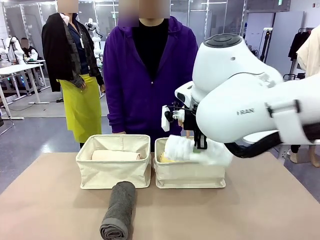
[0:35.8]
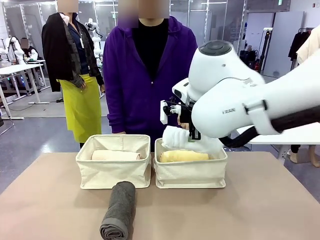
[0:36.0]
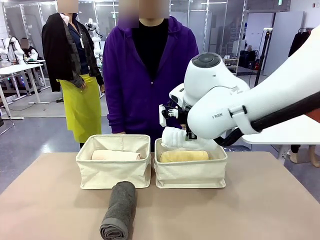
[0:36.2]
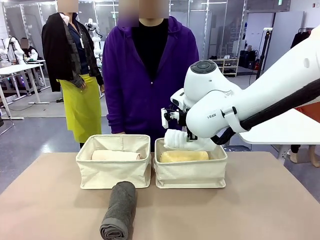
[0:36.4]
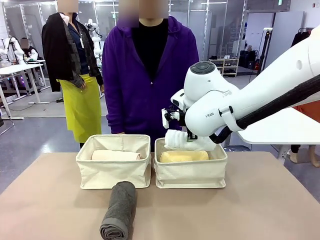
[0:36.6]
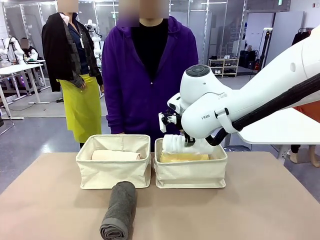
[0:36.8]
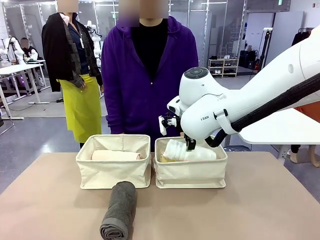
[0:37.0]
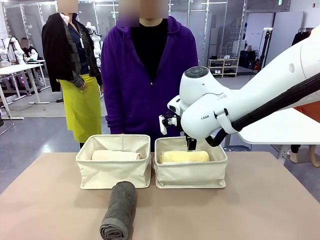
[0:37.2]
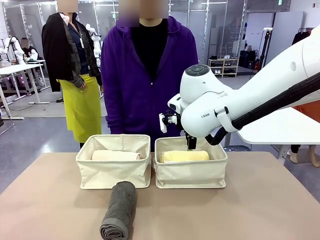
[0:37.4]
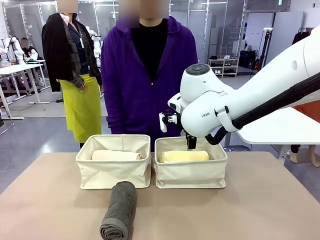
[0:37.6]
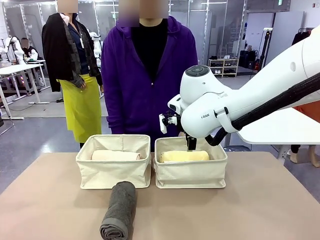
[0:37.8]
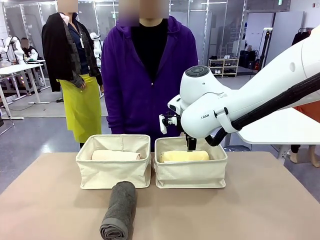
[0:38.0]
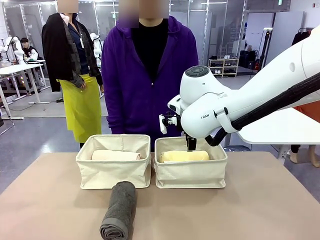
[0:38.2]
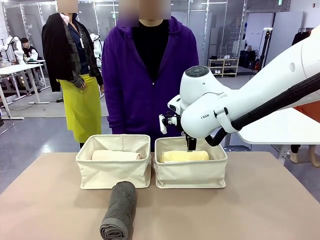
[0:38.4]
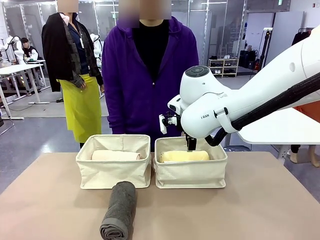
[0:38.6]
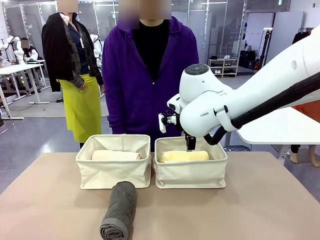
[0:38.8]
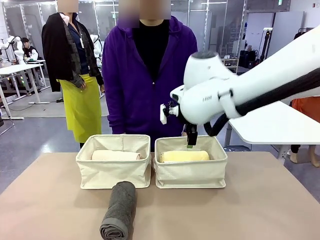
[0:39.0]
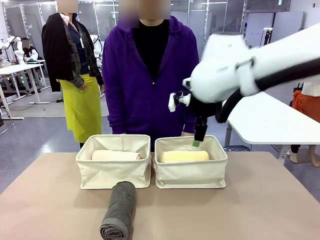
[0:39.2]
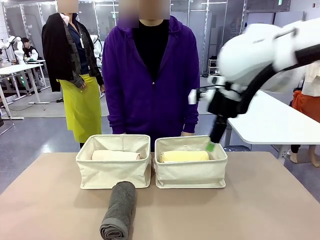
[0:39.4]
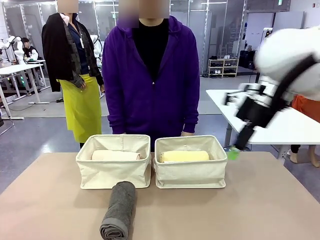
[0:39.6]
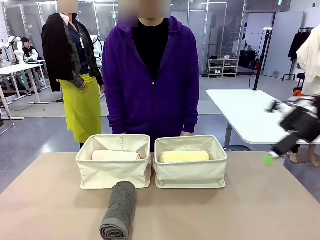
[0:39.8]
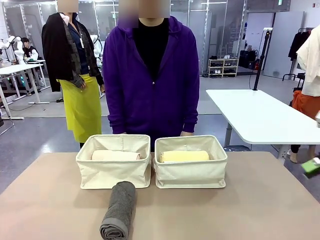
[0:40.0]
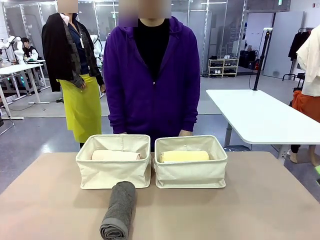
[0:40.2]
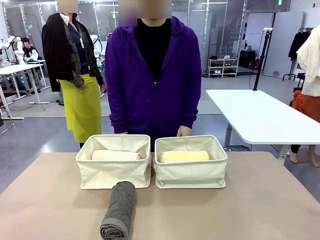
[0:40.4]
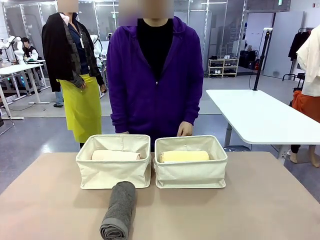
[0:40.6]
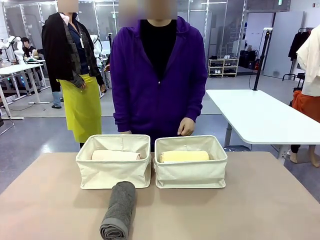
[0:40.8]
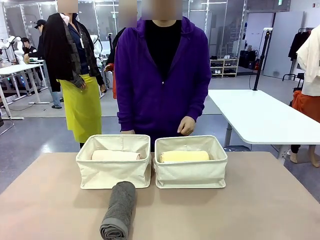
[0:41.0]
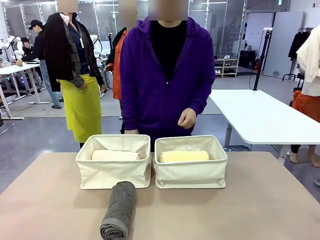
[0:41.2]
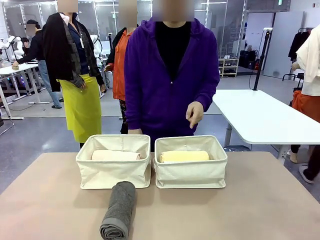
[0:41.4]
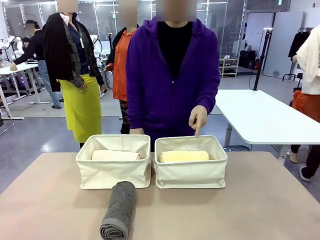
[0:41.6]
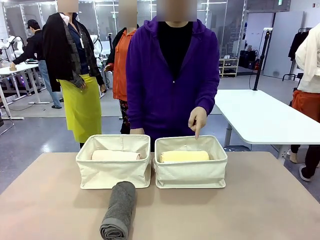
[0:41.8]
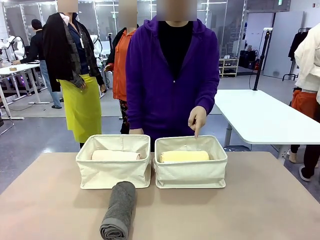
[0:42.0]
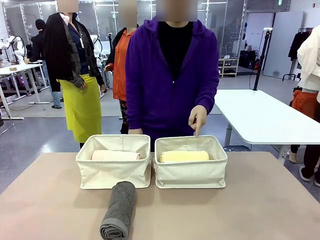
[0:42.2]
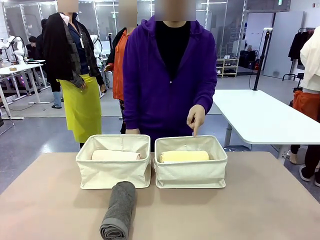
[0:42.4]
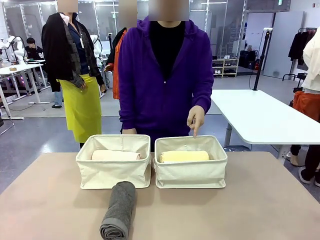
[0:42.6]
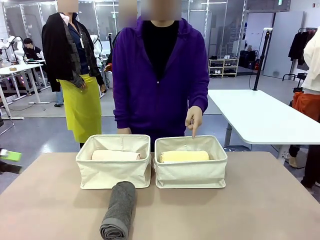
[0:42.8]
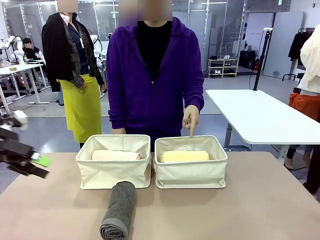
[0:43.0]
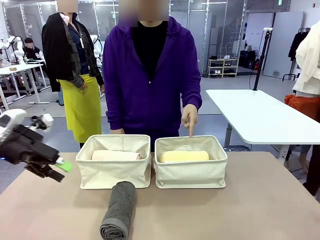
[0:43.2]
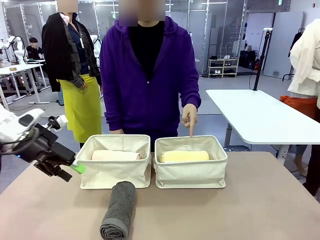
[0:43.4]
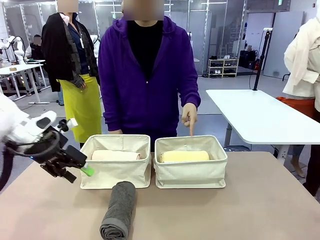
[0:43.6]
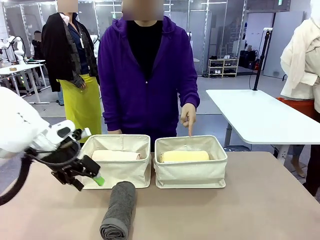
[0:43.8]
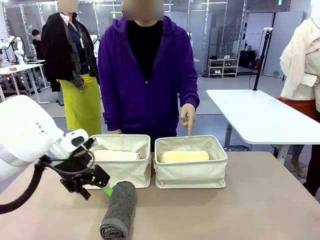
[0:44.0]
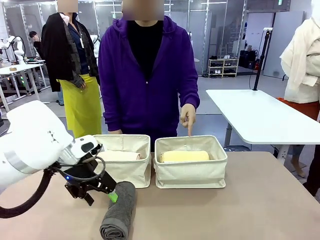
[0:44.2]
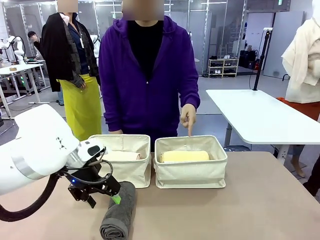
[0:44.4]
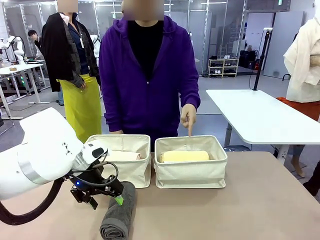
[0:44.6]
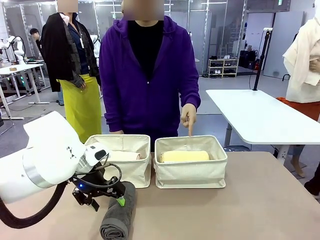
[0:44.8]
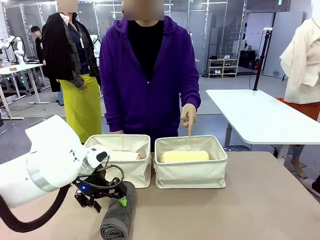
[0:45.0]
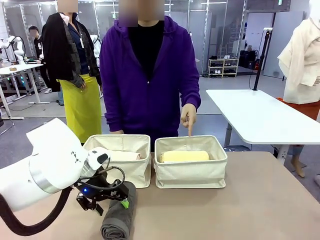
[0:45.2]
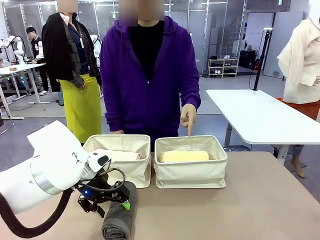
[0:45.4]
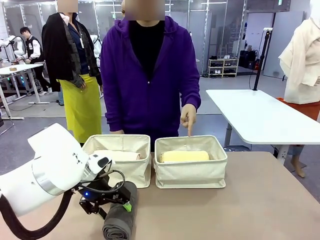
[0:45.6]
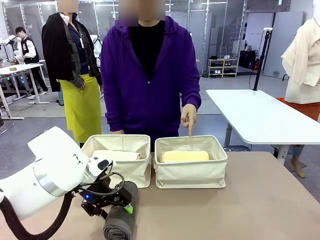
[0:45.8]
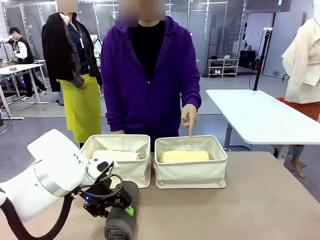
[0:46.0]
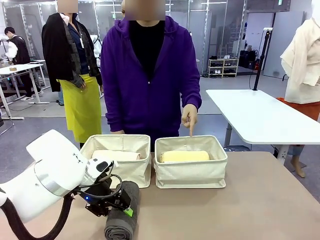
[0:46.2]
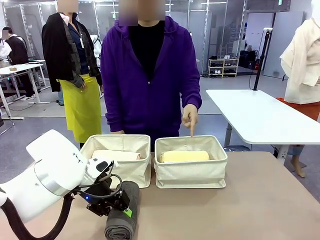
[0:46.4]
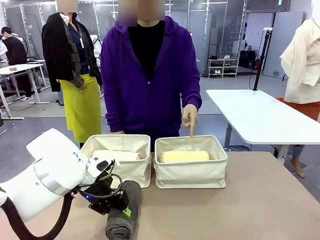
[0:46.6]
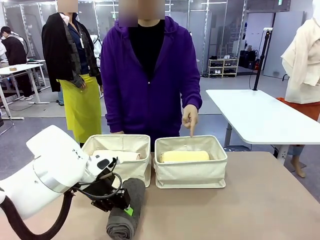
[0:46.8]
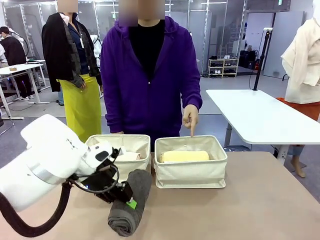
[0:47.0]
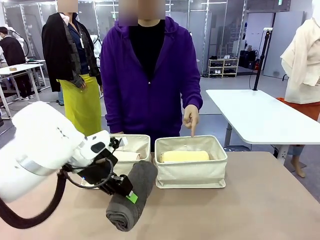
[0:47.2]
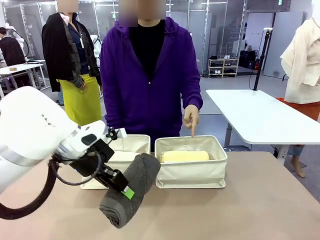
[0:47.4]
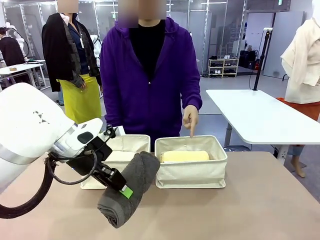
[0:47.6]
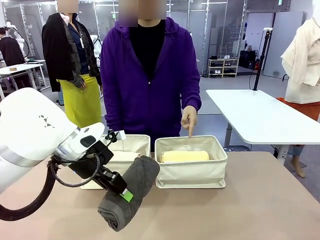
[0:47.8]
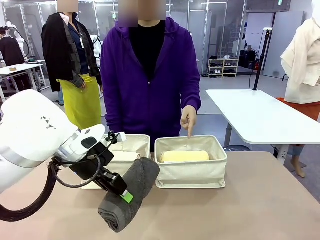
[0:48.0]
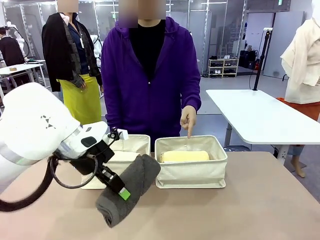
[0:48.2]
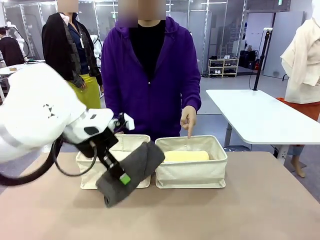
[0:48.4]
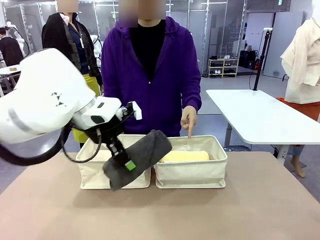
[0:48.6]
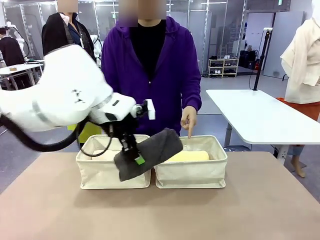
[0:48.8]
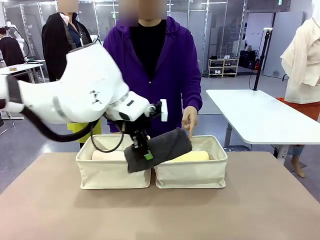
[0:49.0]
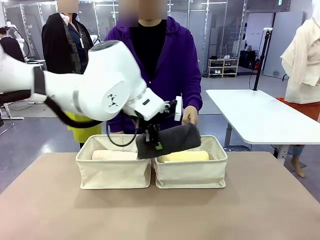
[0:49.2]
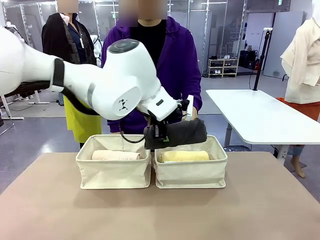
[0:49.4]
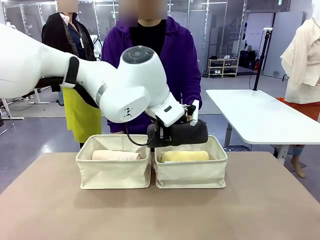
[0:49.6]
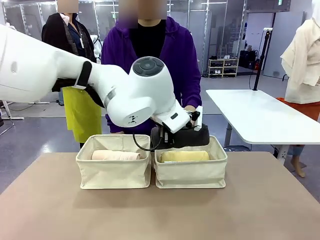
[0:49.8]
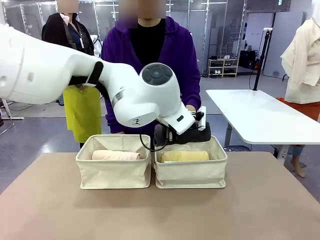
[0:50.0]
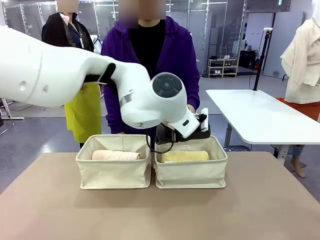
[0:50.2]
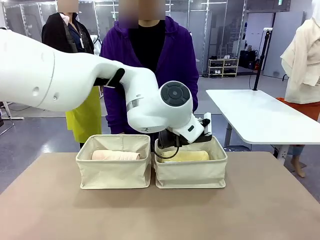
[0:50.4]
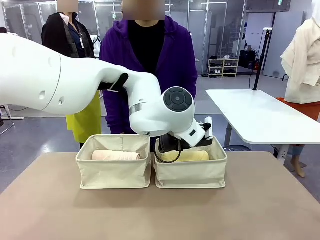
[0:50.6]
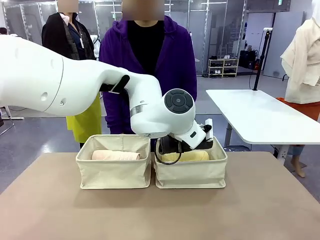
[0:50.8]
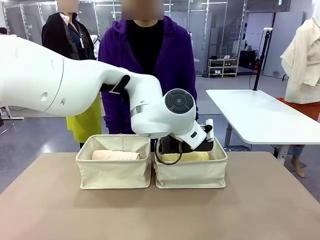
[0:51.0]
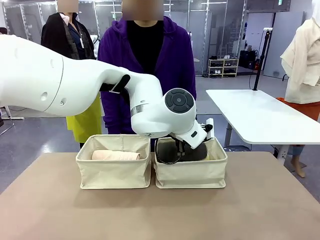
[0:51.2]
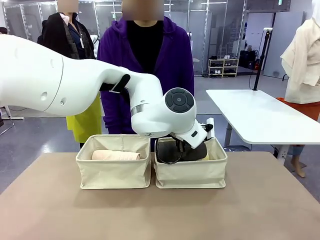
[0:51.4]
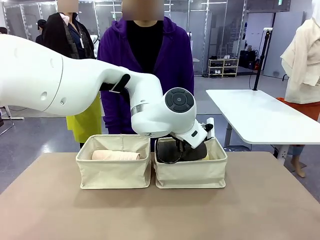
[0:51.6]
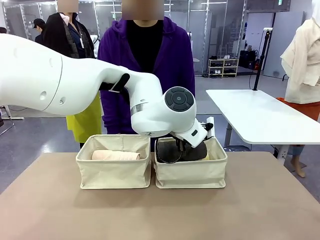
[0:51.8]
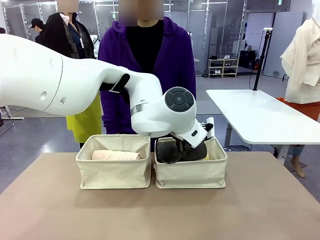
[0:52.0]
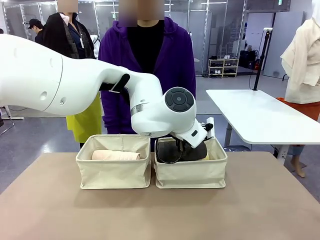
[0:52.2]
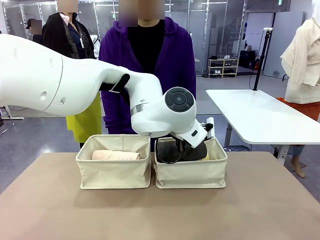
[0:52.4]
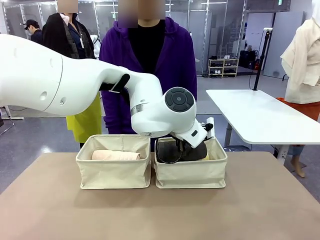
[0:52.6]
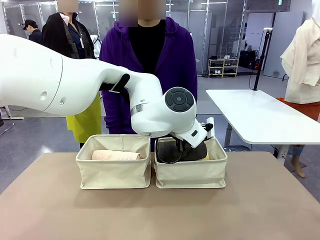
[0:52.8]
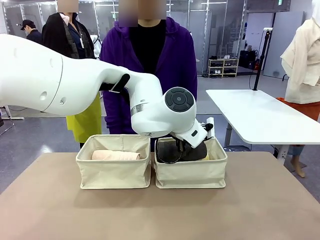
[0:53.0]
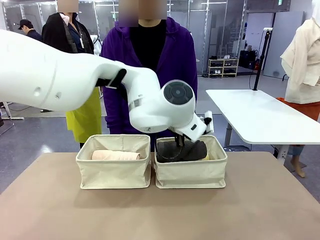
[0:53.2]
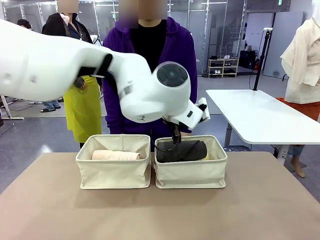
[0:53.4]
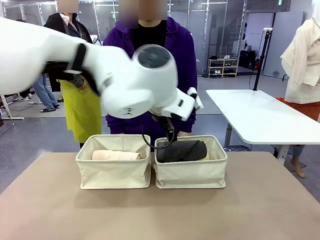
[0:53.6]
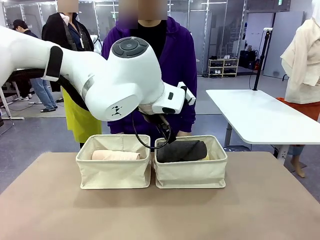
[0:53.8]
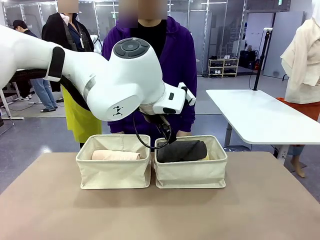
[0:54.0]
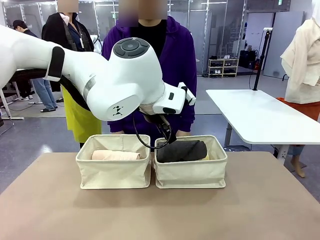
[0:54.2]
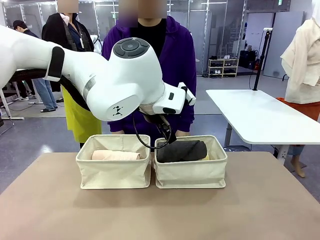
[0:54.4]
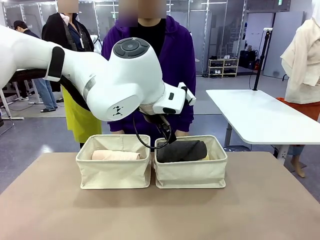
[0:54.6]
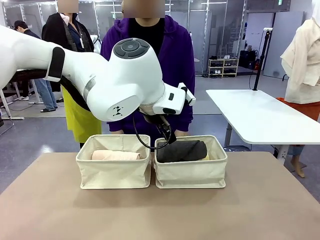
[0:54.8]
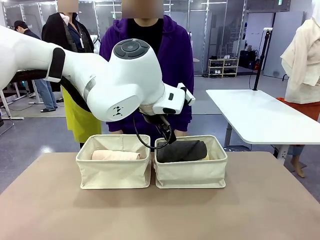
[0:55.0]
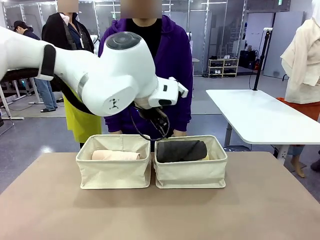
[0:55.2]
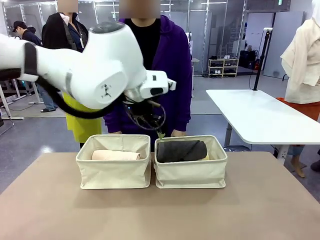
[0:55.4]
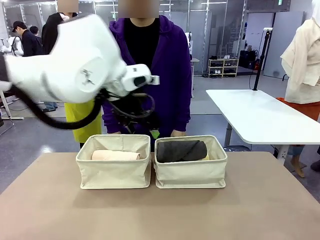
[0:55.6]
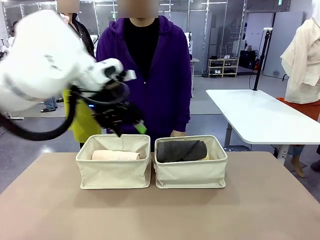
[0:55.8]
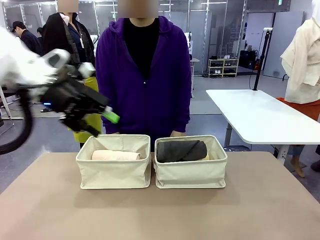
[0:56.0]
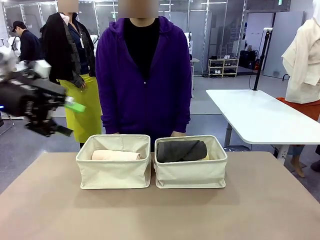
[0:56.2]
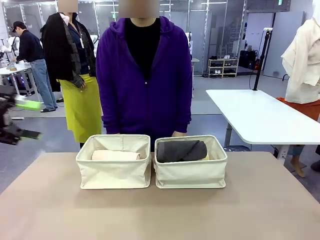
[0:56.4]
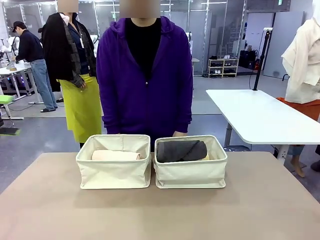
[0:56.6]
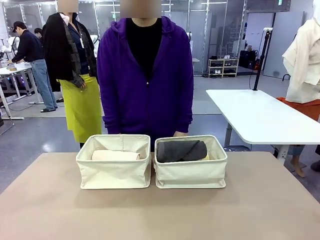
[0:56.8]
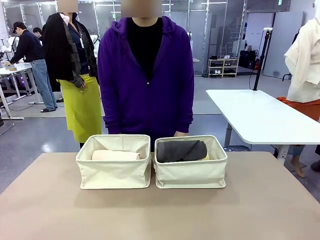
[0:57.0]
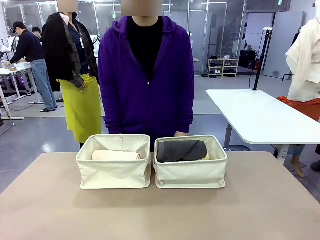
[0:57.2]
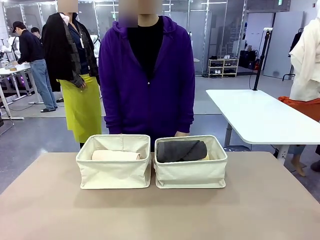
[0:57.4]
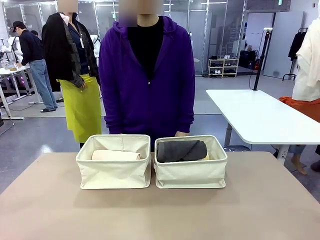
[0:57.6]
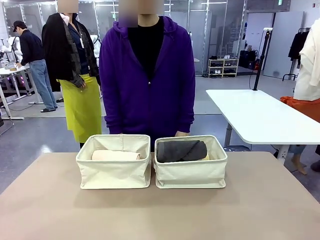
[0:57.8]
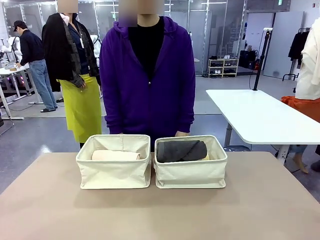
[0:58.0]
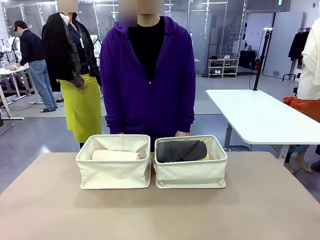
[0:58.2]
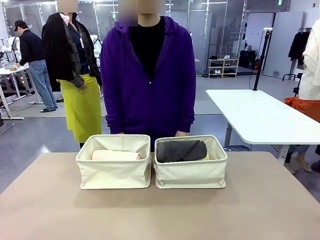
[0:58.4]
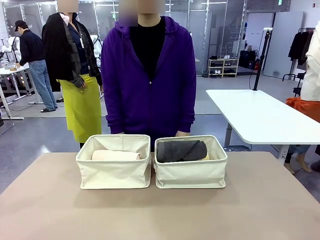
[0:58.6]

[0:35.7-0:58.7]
Task: Divide the towels into two baskets.
Robot: Pick up one hotel-folded towel from the bottom of the table and place it in the Fabric basket indicated by the person.
